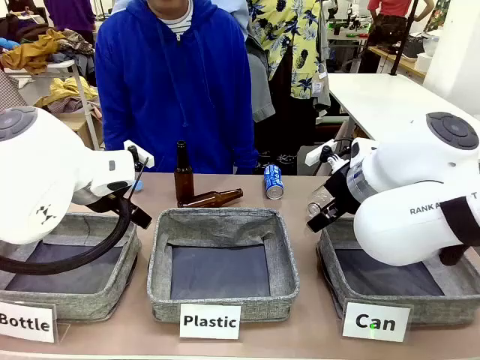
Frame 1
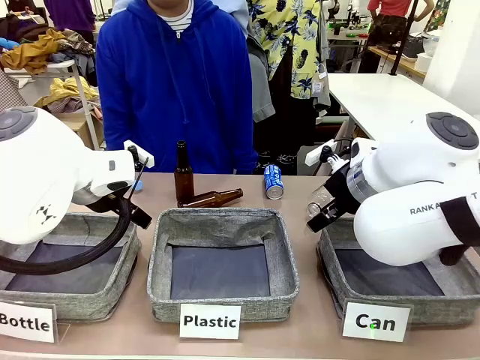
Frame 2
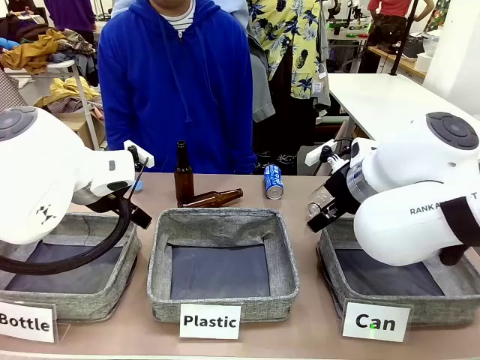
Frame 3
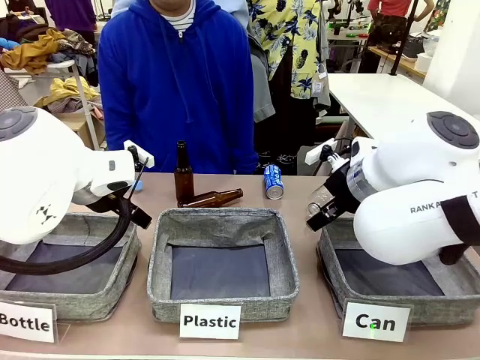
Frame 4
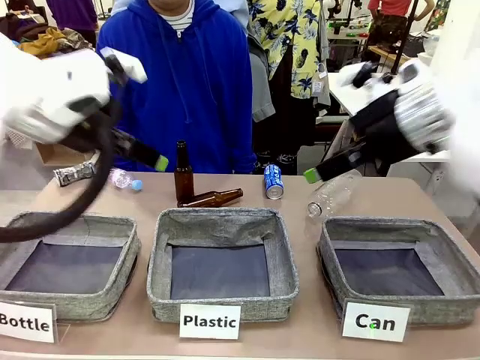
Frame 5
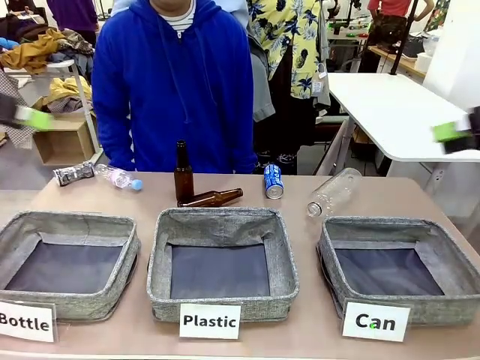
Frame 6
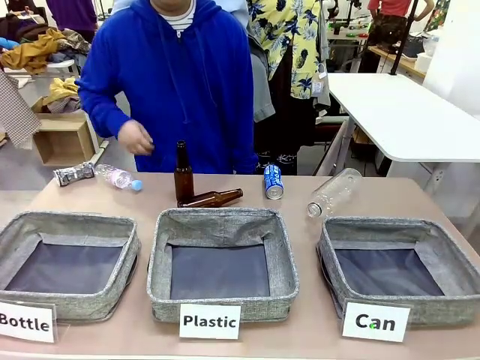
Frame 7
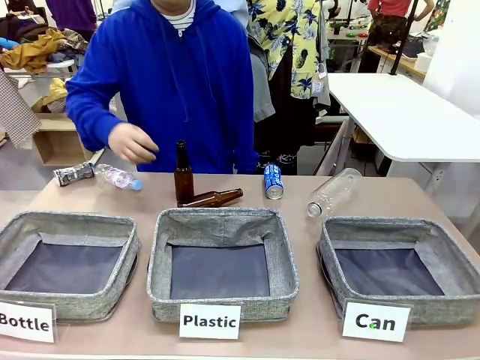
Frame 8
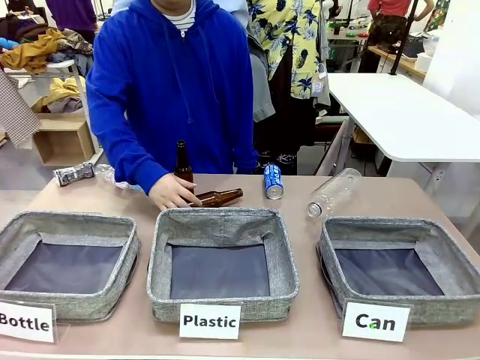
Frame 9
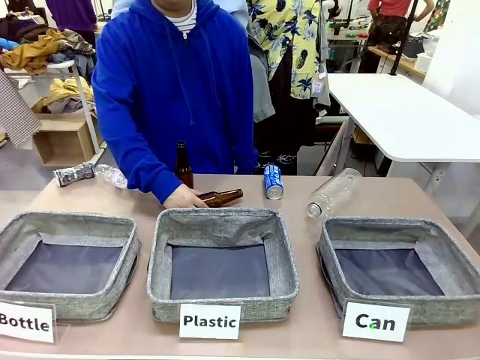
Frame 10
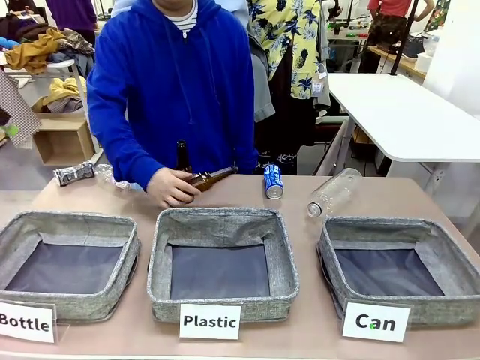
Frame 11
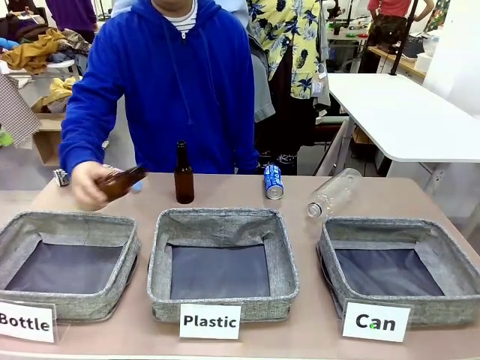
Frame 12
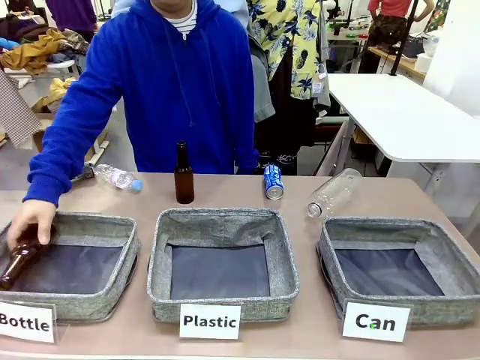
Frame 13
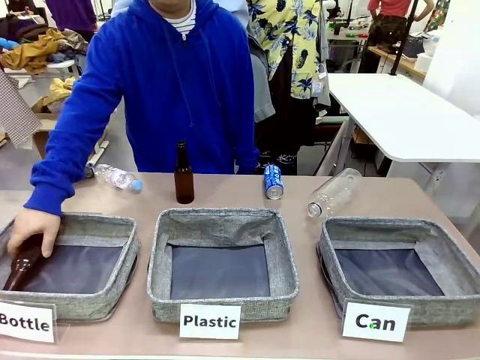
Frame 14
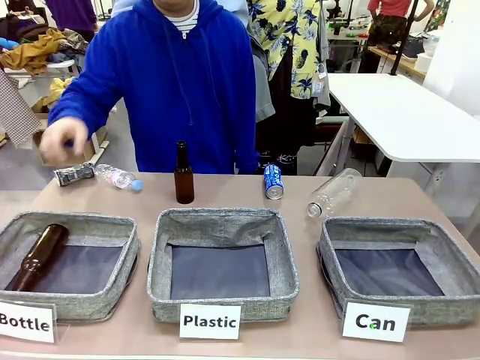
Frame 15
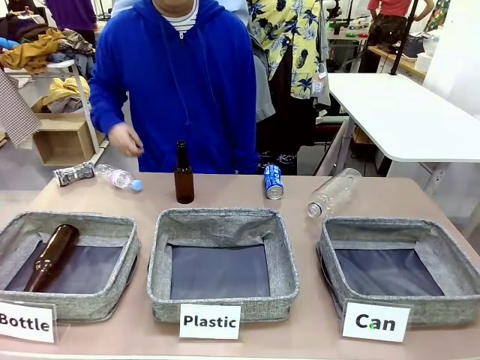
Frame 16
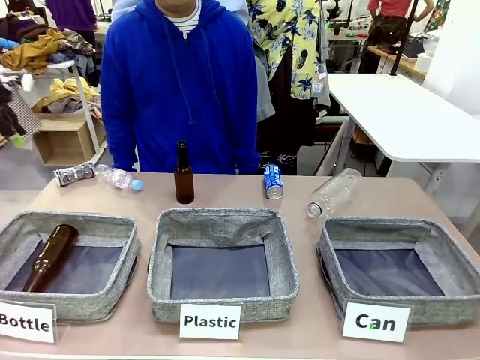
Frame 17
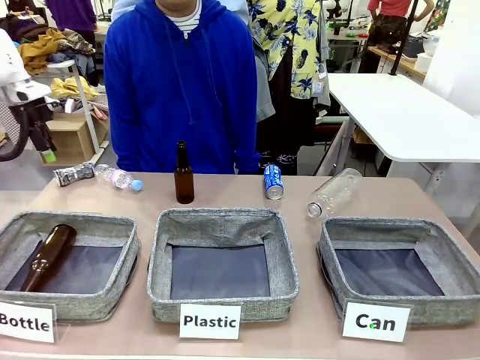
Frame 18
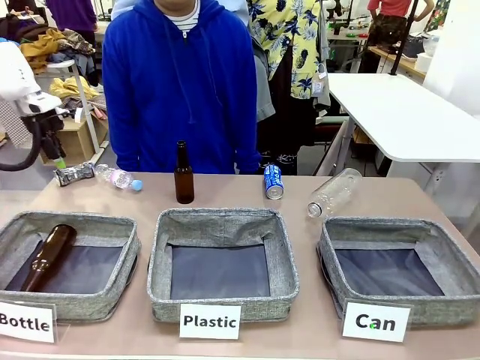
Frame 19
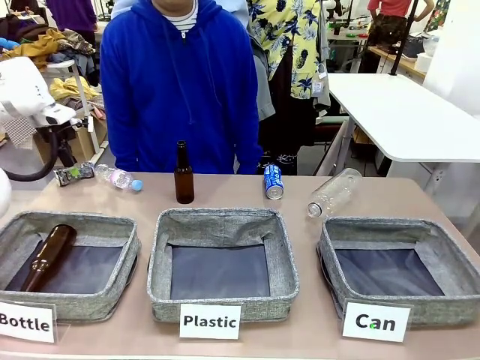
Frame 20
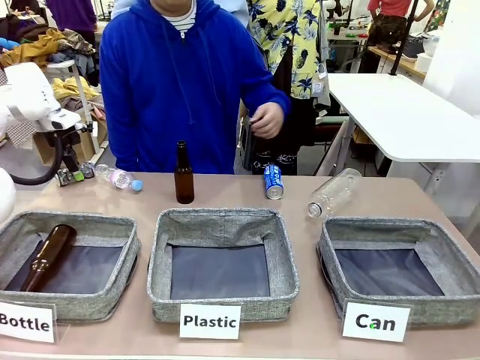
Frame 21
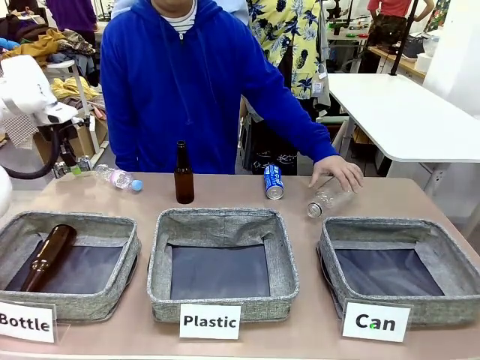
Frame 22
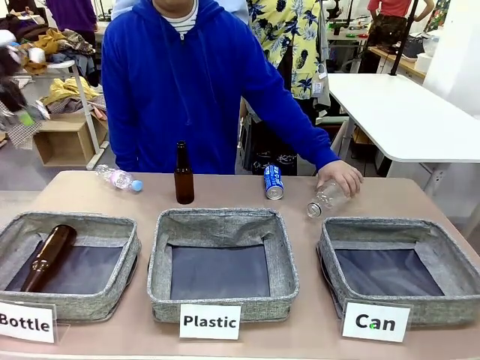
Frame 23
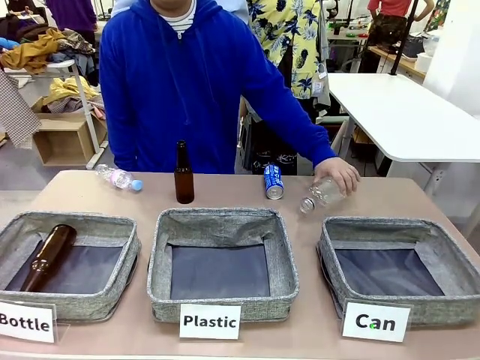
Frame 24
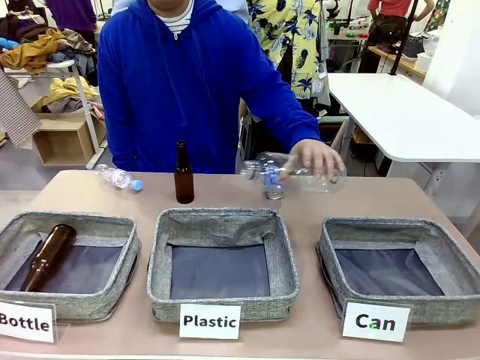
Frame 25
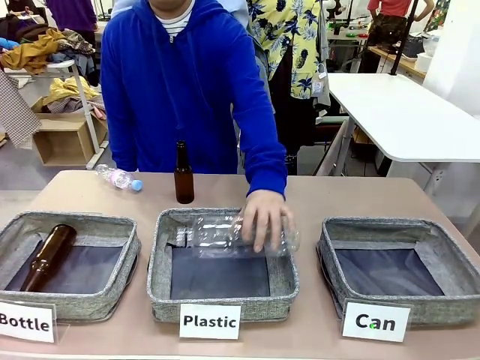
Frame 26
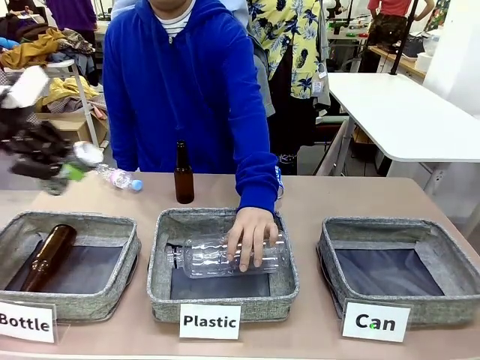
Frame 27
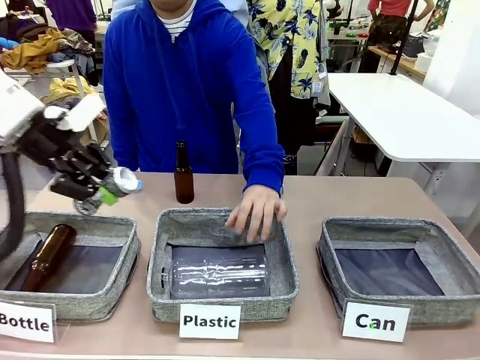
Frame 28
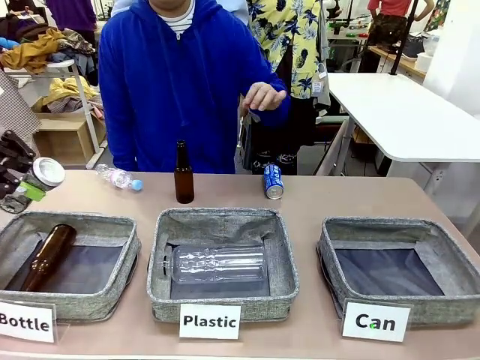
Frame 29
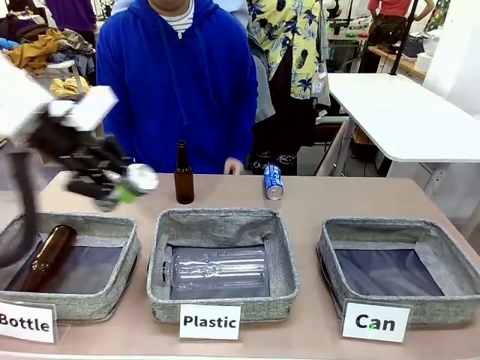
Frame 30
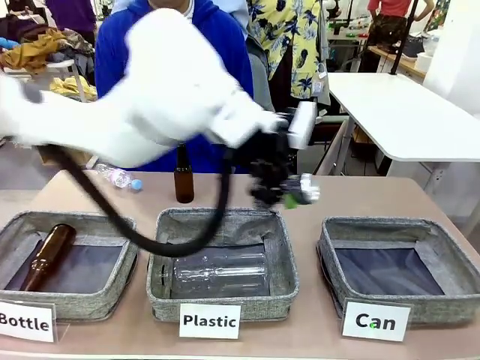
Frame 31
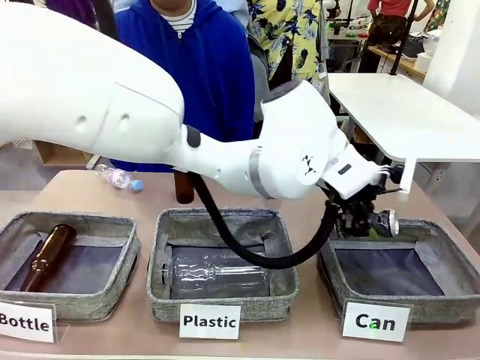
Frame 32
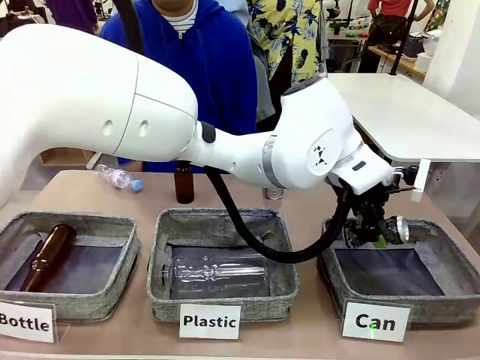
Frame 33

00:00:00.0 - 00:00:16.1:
Task: Sort the can waste into the basket.
Robot: Pick up the can waste from the table and place it in the right Fabric basket.
